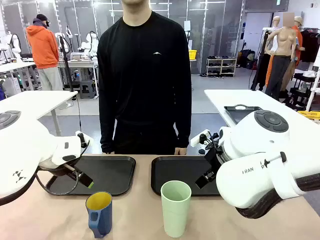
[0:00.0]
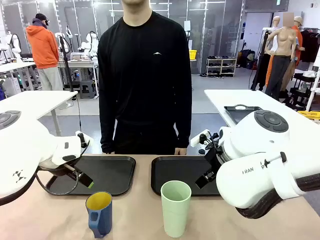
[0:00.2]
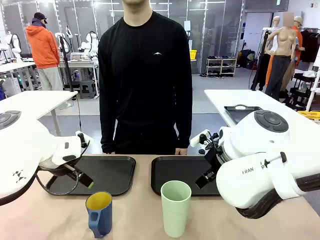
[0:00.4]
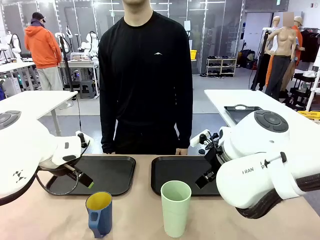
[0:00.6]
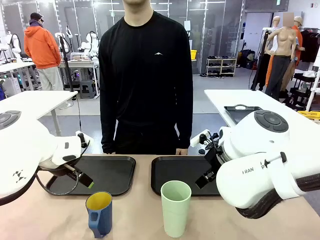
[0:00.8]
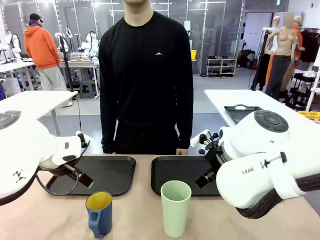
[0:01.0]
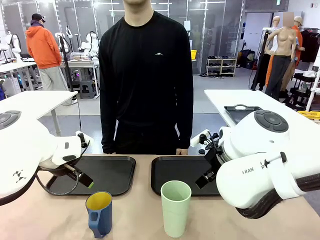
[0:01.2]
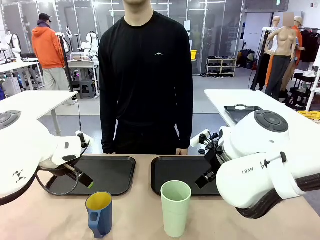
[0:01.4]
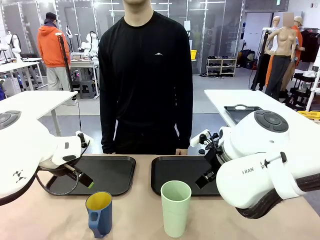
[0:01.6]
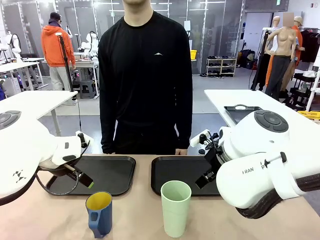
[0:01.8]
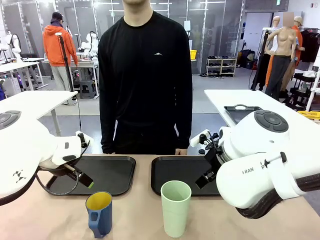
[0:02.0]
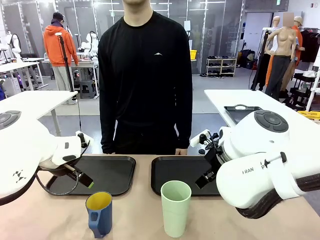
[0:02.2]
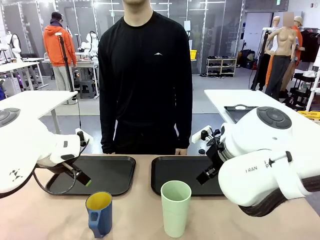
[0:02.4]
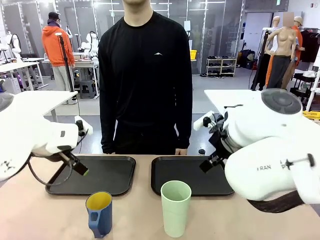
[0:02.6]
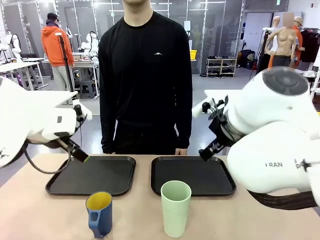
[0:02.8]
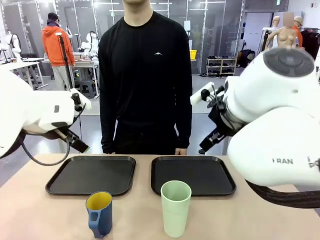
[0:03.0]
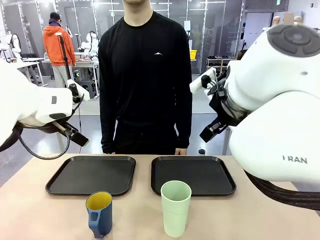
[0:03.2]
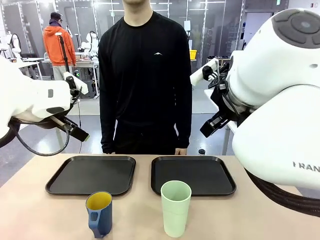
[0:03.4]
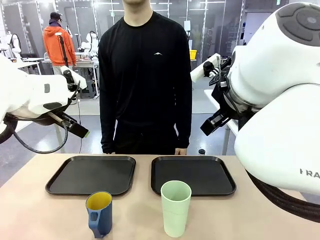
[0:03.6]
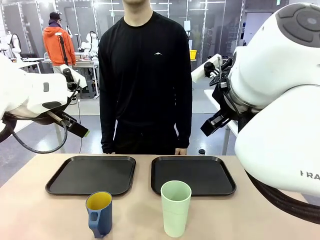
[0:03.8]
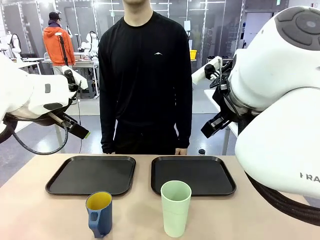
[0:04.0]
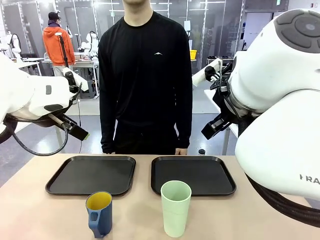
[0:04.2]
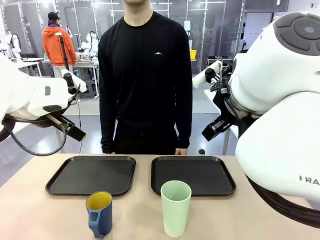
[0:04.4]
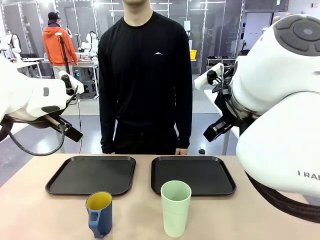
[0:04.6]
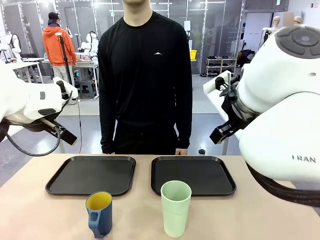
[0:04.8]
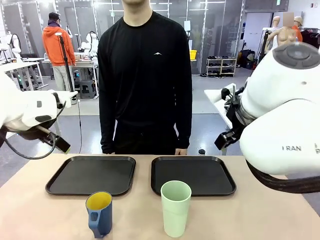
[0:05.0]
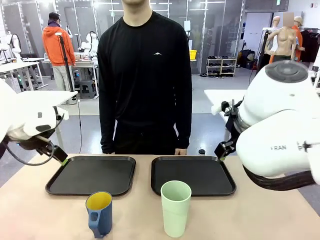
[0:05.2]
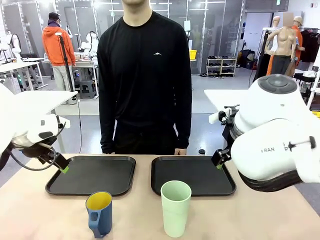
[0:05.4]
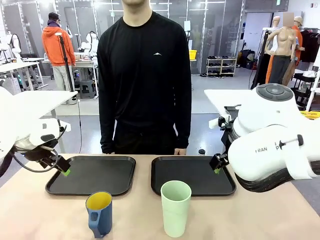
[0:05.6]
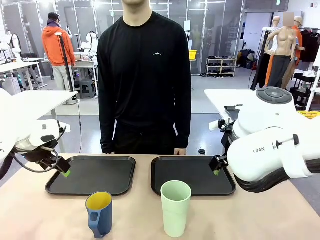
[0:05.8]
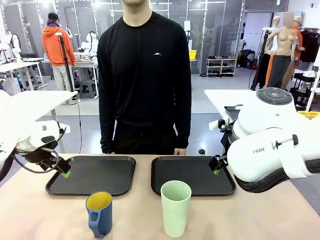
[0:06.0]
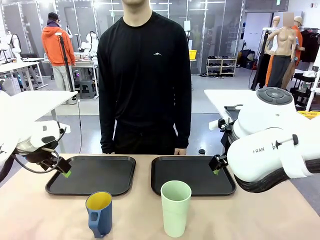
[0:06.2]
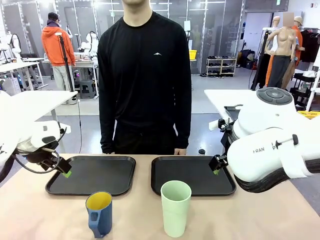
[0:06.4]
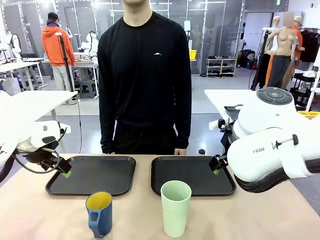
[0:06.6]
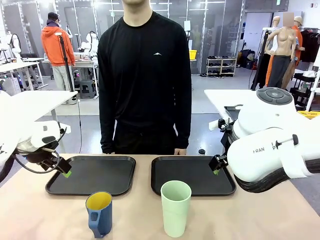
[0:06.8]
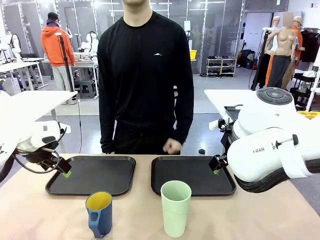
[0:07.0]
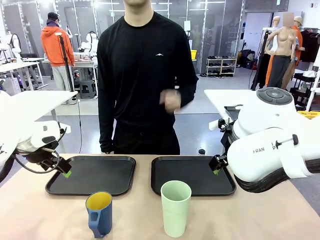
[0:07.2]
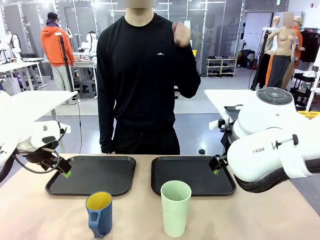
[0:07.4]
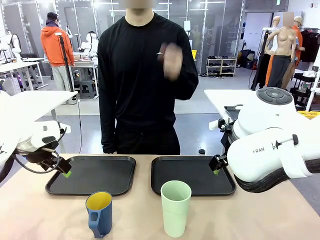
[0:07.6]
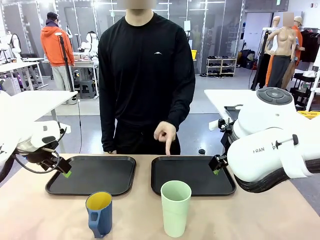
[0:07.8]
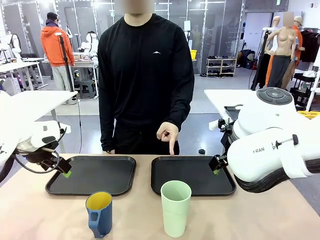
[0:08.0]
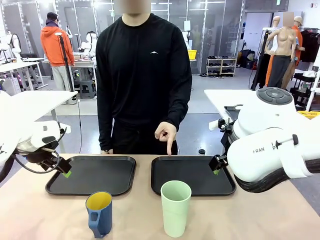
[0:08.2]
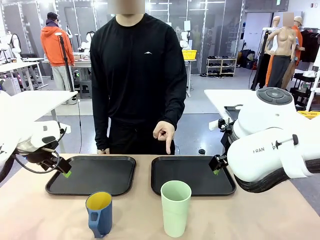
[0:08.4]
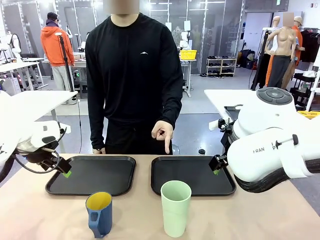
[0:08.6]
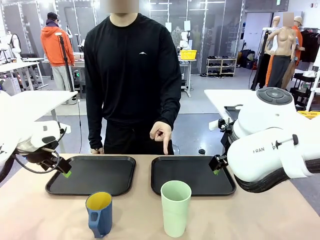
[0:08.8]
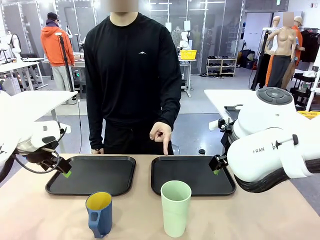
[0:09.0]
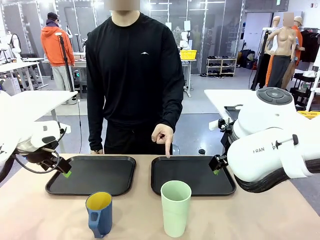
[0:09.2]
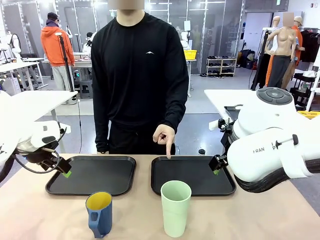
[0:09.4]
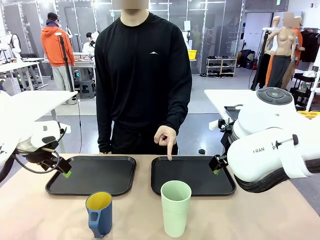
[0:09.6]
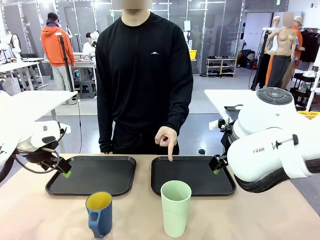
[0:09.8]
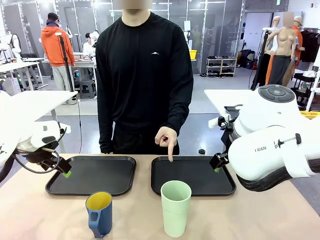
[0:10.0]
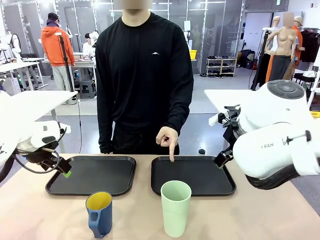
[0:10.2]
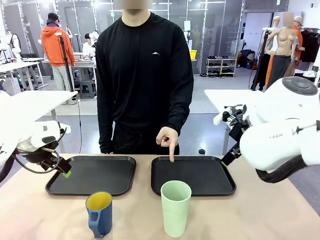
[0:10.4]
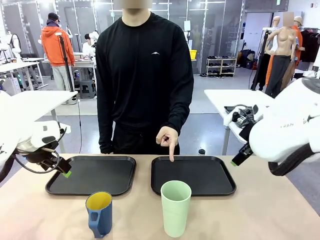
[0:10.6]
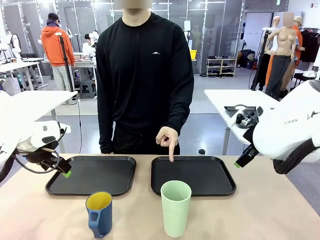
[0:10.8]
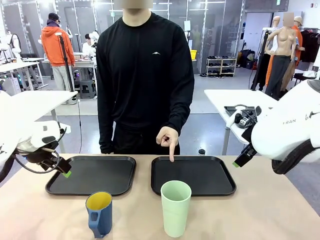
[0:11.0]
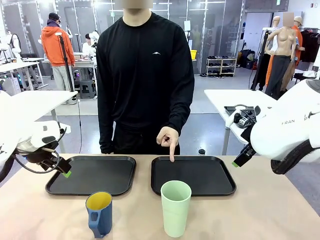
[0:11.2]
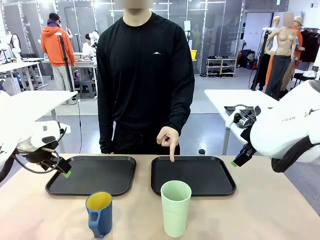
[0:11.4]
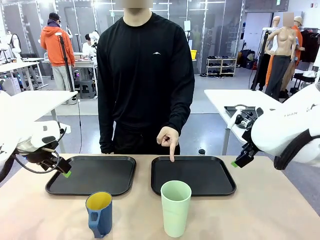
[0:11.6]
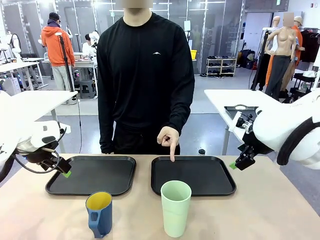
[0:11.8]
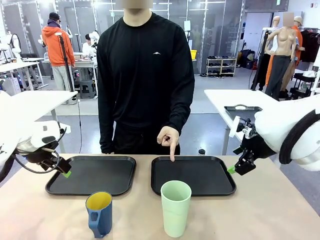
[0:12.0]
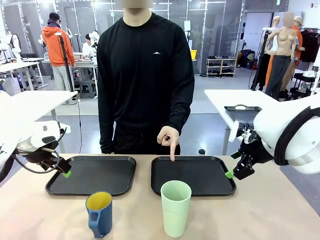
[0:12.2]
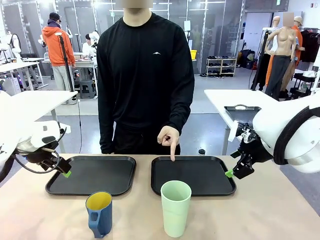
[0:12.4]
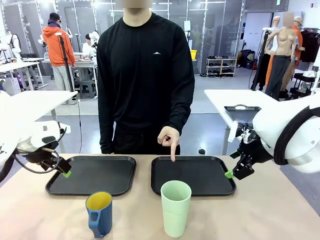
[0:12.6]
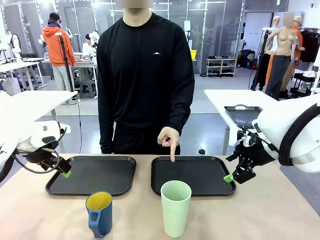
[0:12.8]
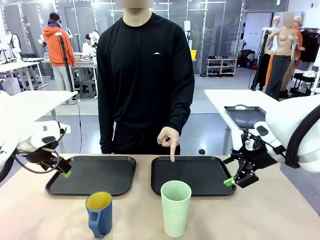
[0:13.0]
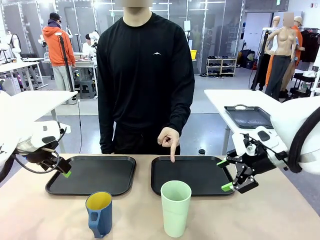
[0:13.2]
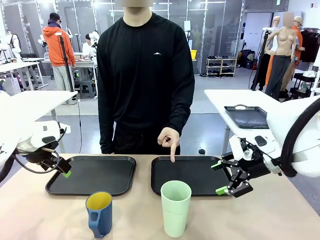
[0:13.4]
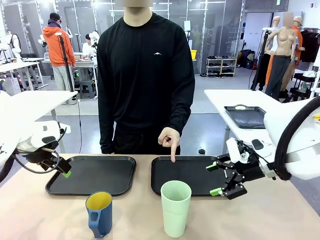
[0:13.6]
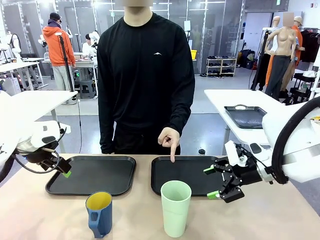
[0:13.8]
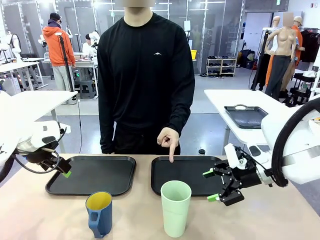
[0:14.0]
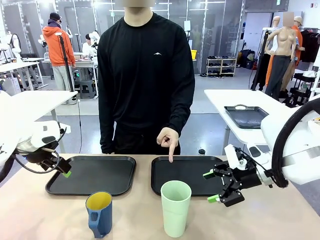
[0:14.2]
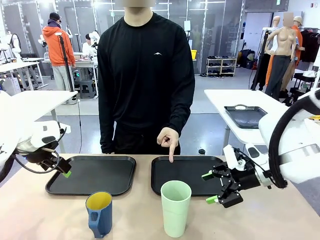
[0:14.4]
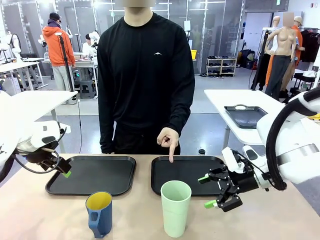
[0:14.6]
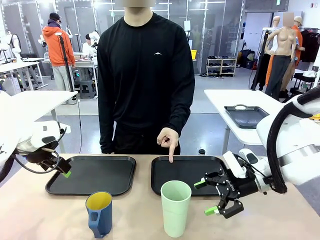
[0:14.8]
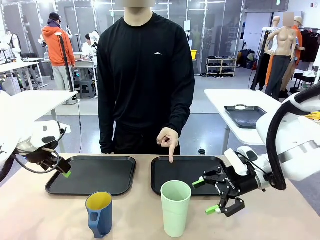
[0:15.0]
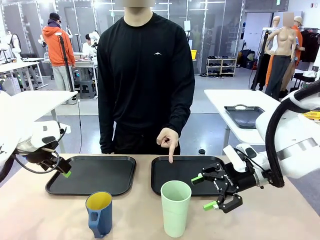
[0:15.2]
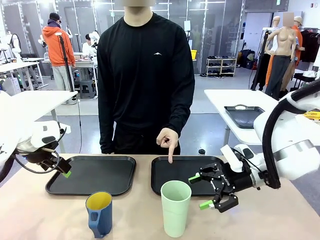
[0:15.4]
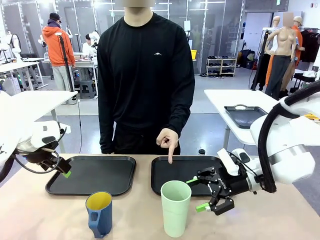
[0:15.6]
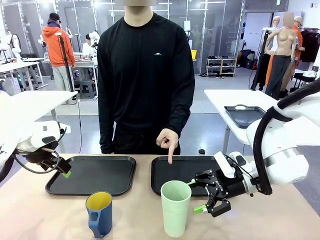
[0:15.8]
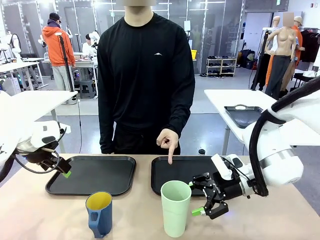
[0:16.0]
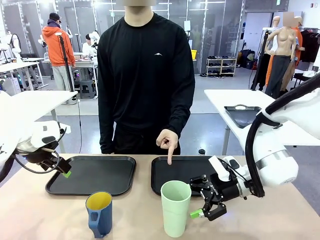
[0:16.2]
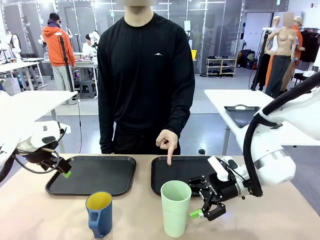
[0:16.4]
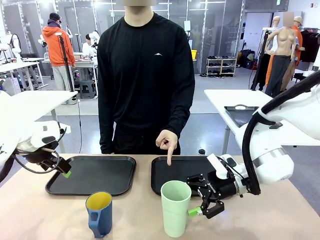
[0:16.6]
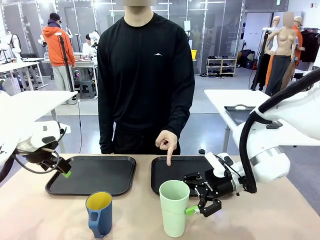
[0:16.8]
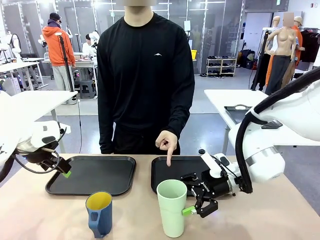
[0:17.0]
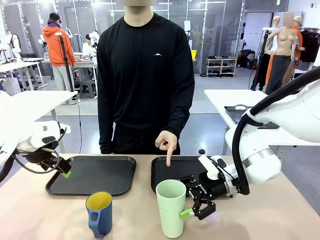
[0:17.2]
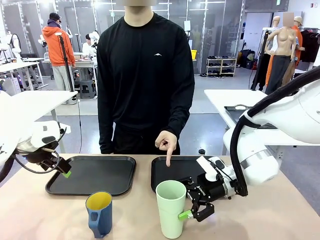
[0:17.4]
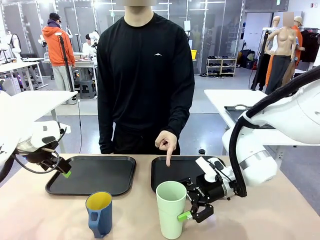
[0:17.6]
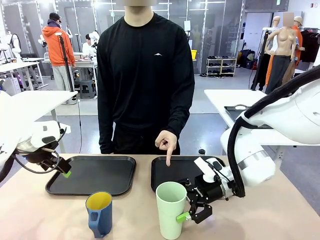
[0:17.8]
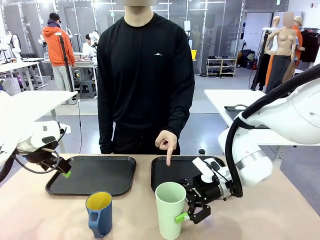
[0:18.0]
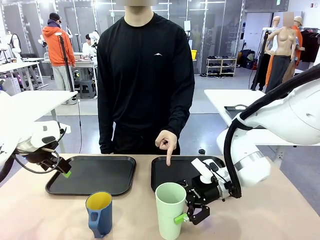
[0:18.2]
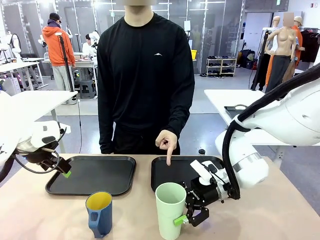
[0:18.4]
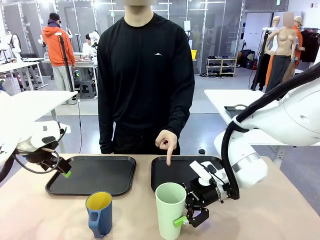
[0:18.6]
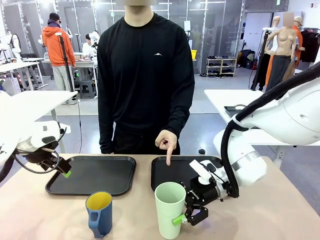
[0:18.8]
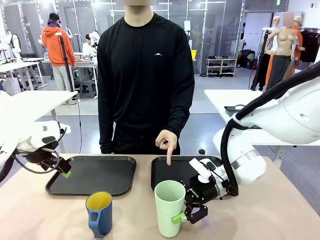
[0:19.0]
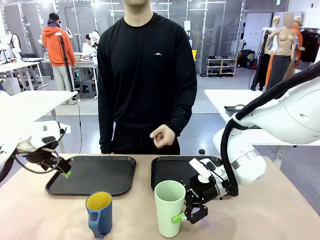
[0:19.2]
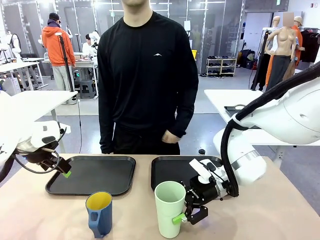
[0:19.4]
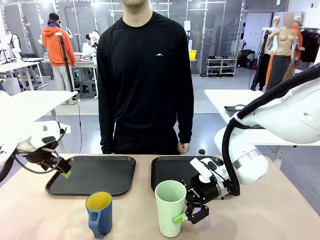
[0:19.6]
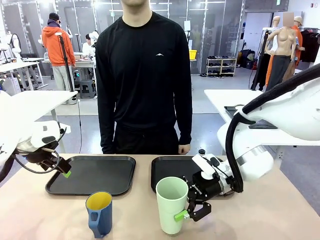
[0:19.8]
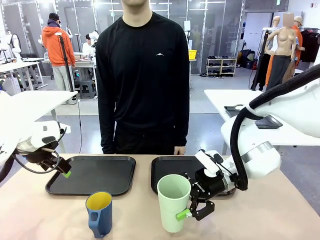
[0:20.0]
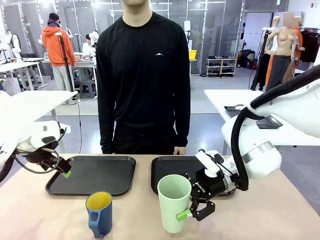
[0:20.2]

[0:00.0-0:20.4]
Task: Sort and store the cups by type.
Robot: Pick up the Reusable plastic cup.
Person: Points to the reusable cup. Point to one of the two trays.
